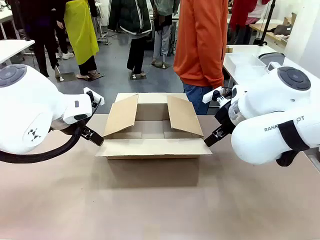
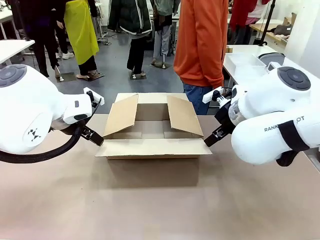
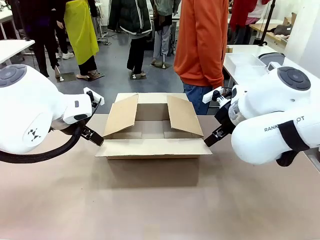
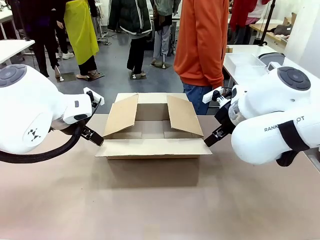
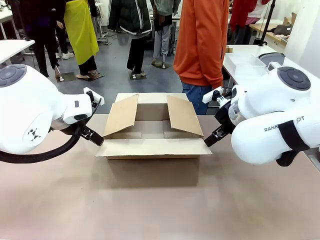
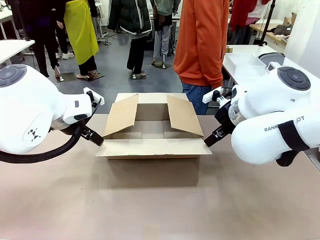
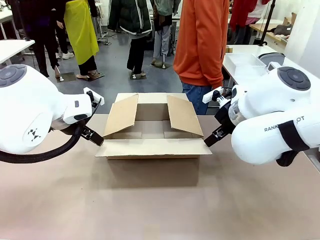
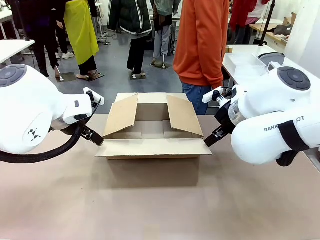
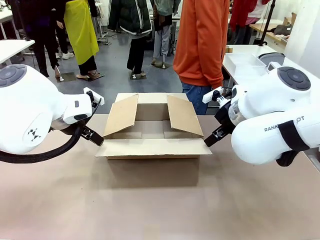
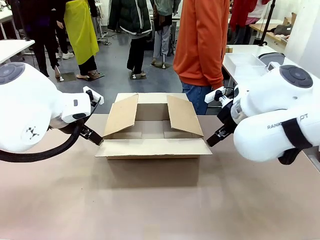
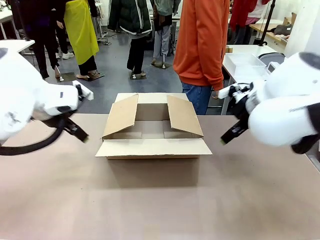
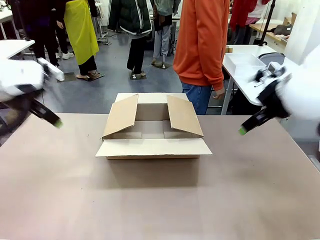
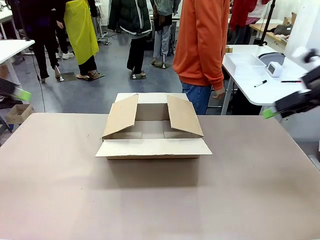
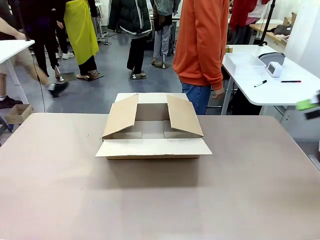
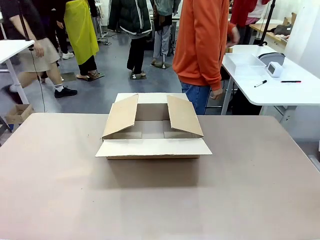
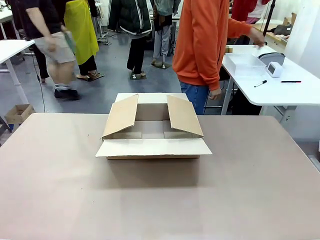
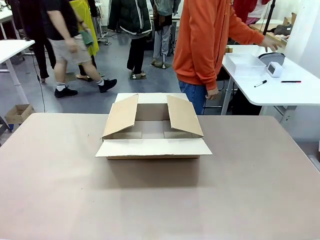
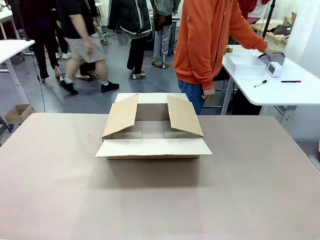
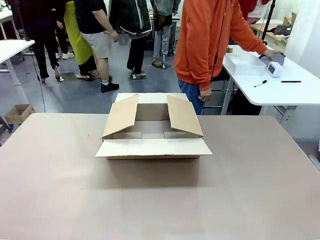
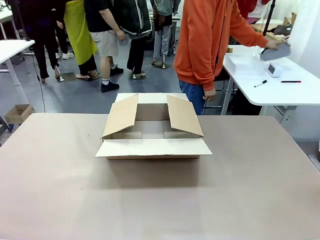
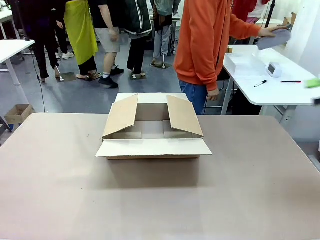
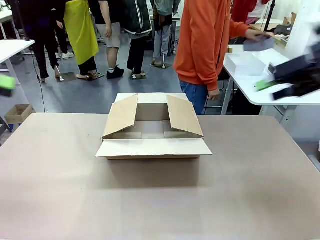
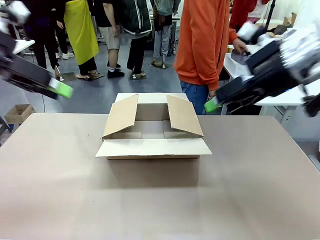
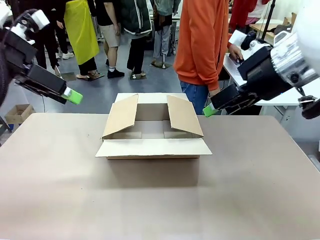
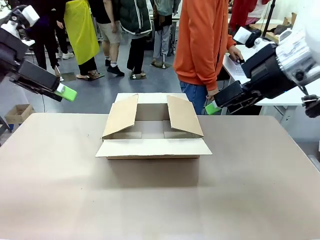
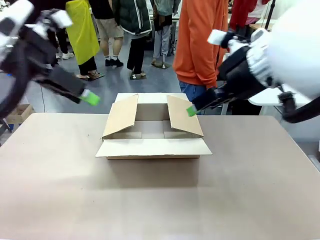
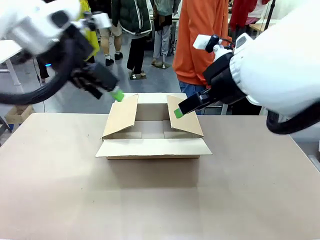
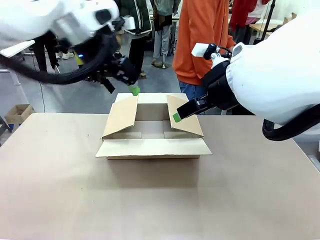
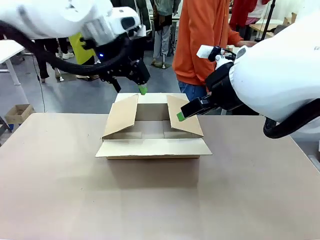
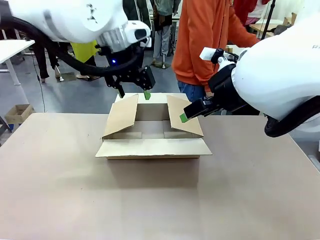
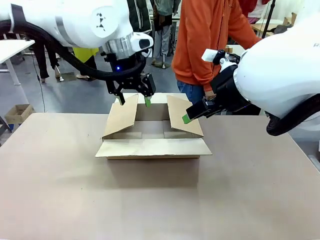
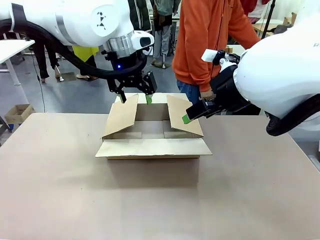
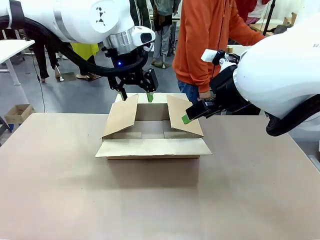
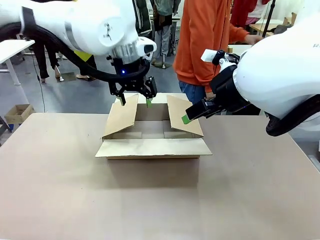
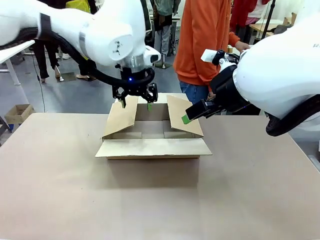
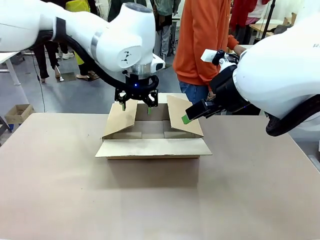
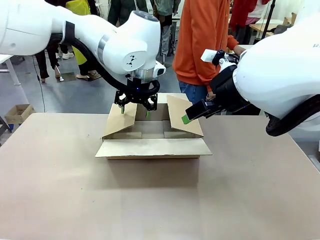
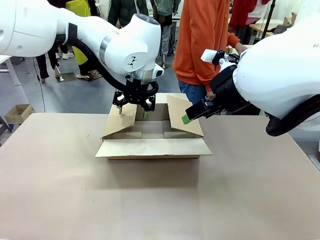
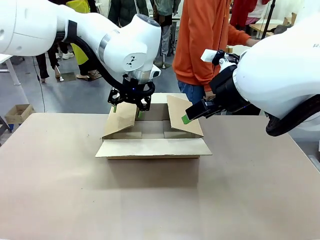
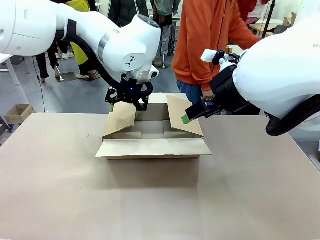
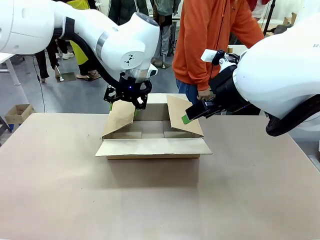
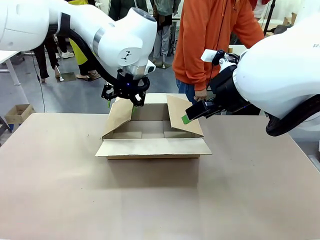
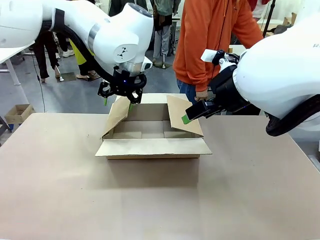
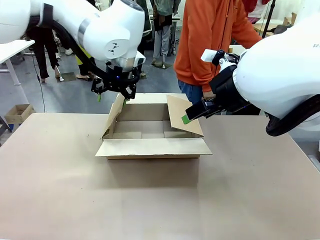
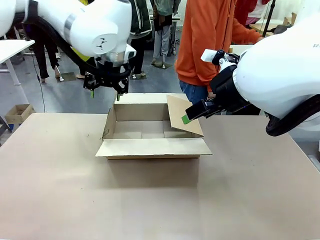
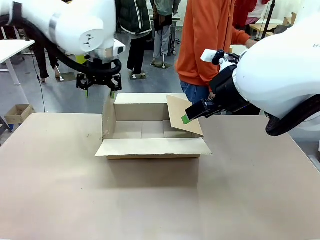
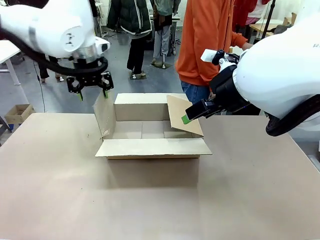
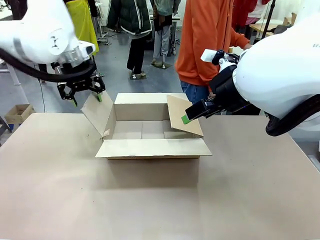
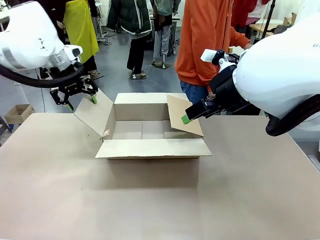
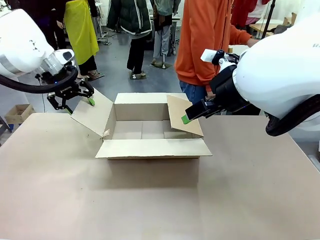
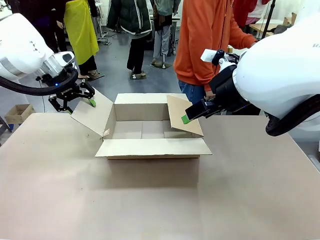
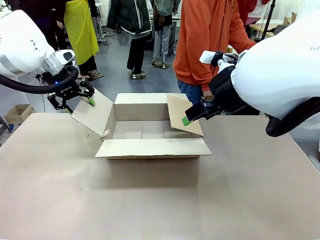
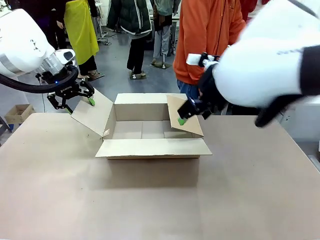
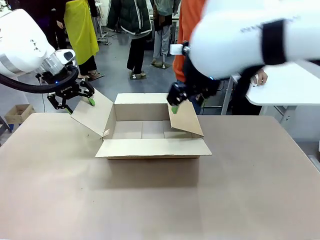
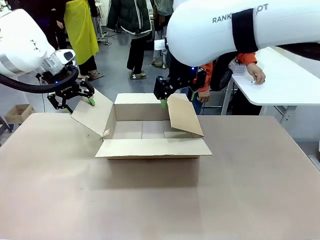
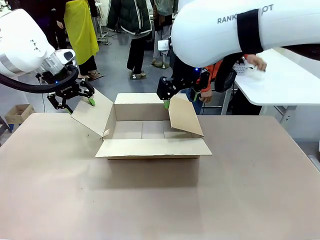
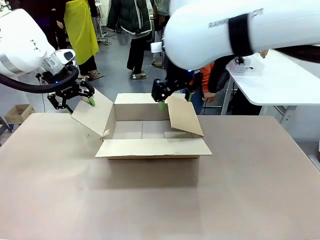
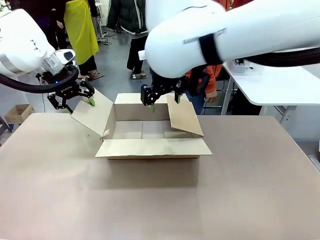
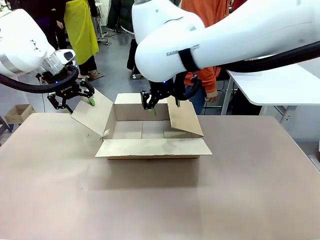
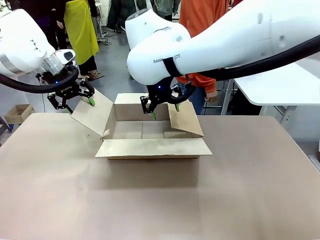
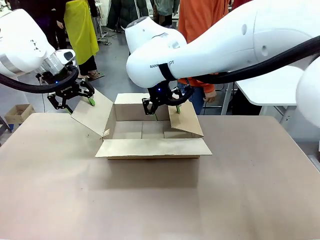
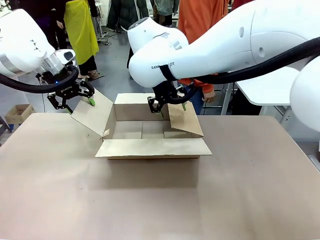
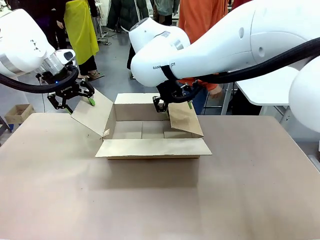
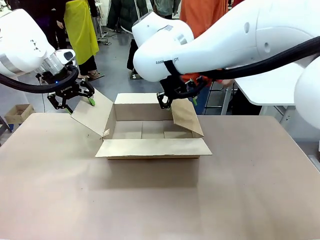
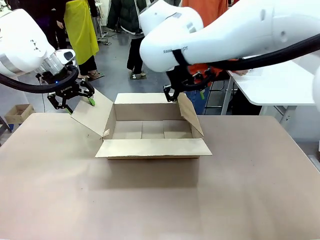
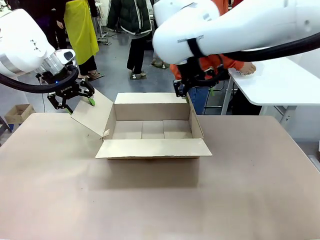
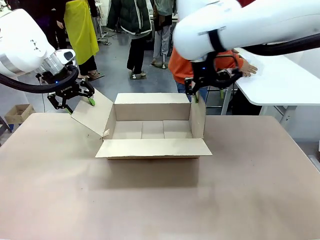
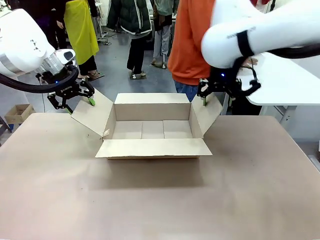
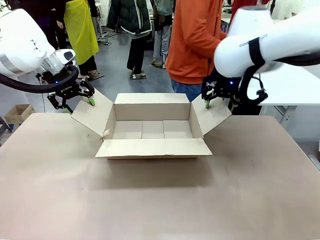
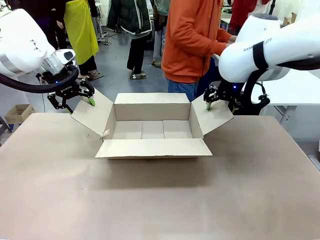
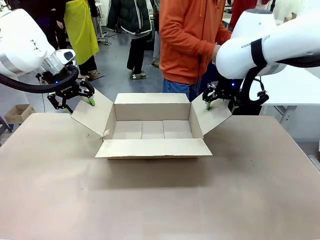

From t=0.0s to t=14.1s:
Task: Pack the gift set into the box.
Robot: Place both hands on the side flaps of the Package Box and spread them outward.
Person: The human places all items except the paper tape into the organizing basket.

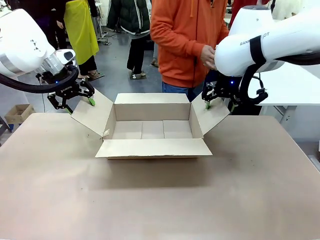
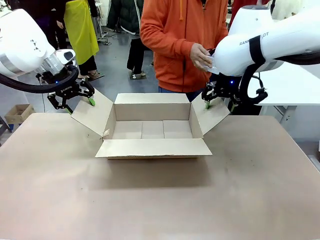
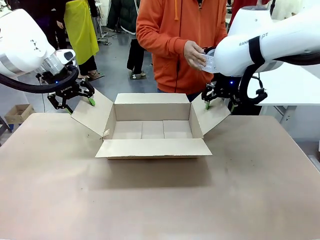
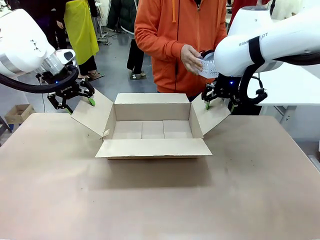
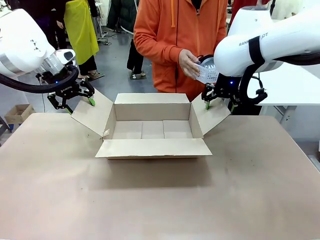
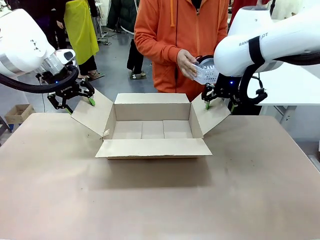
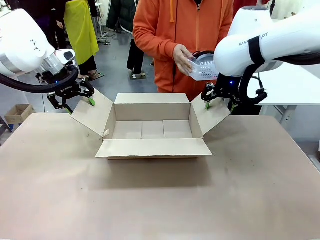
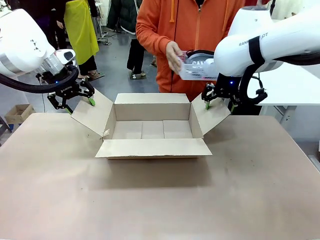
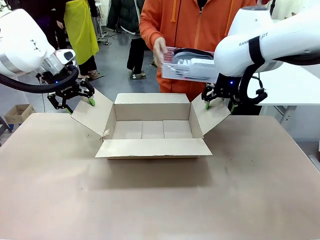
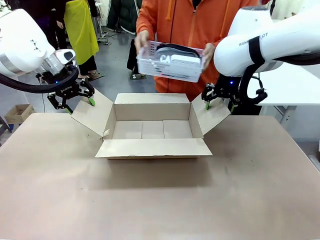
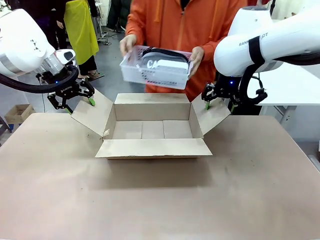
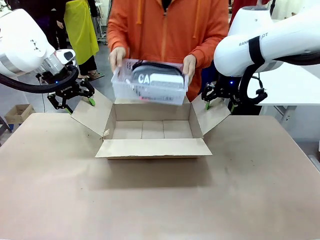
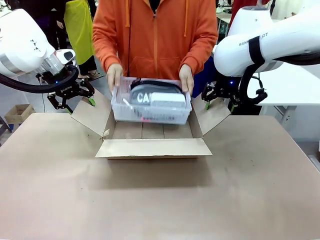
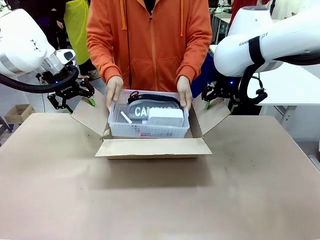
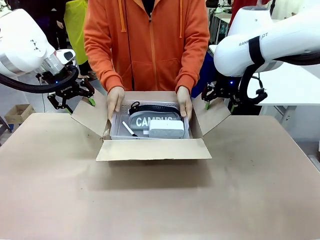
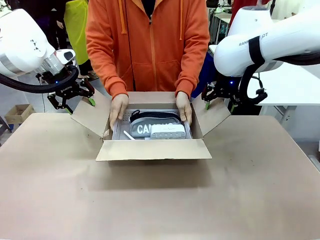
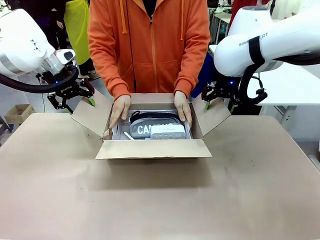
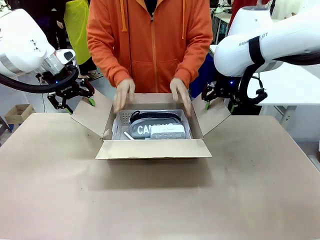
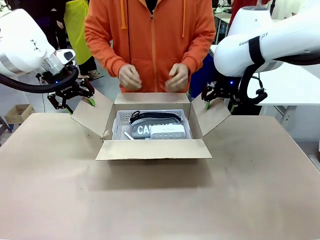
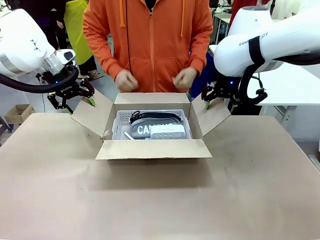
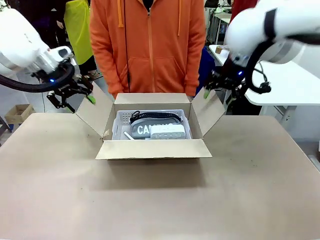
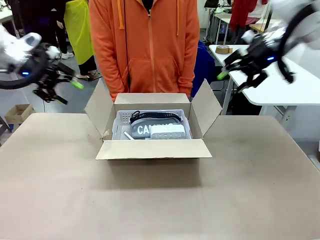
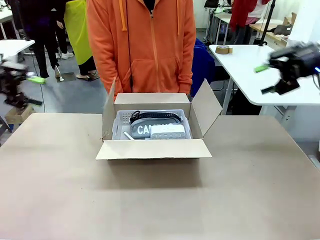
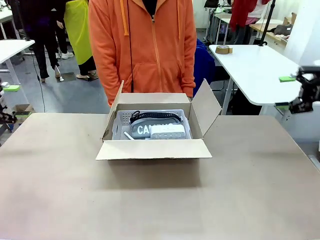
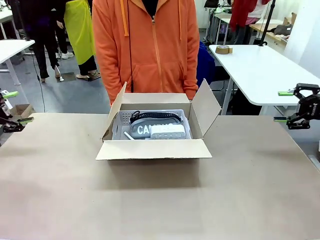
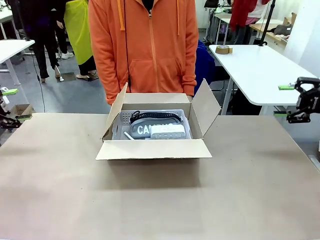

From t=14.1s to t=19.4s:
Robot: Lift both hands away from the flaps of the Package Box.
Person: The human picks up the organizing basket and places the organizing basket into the package box on the robot table.
